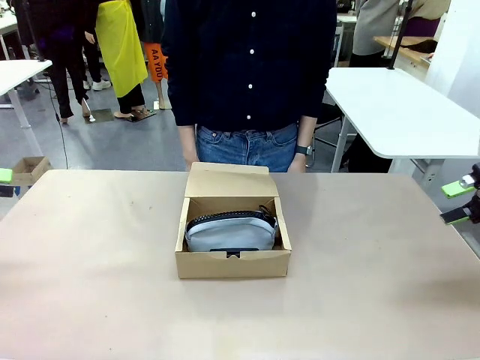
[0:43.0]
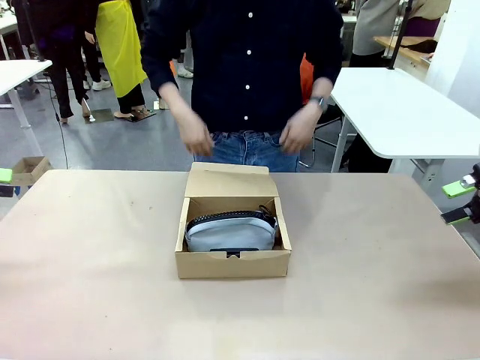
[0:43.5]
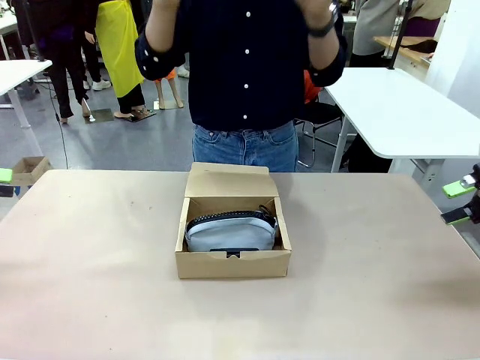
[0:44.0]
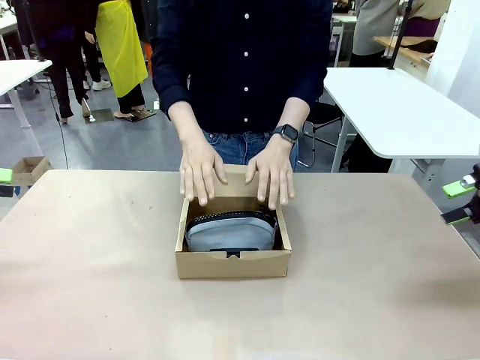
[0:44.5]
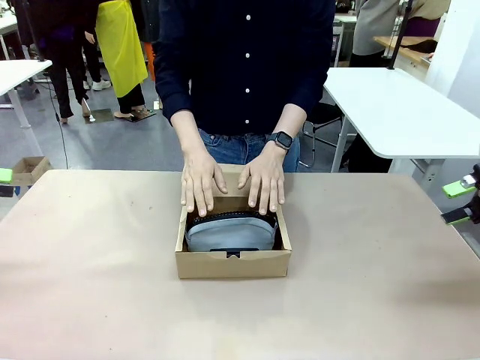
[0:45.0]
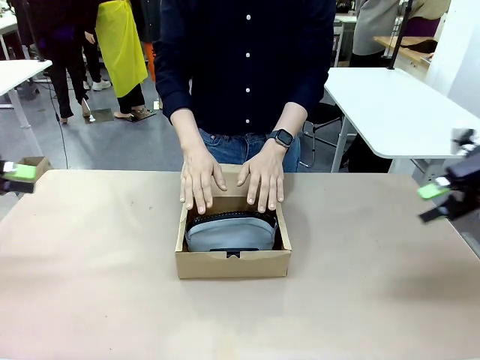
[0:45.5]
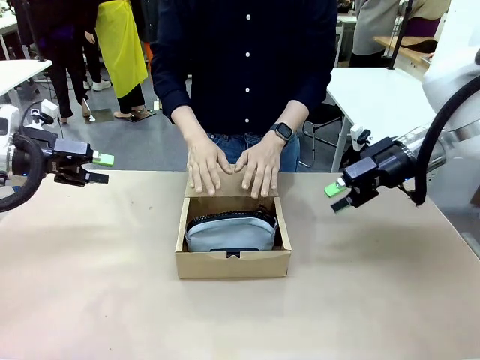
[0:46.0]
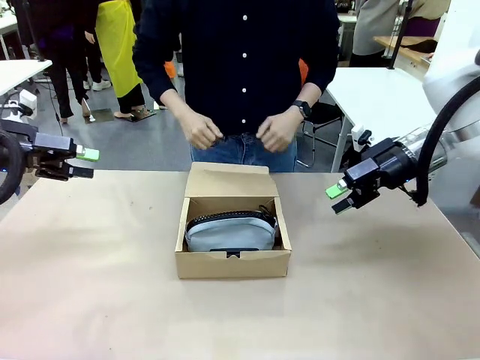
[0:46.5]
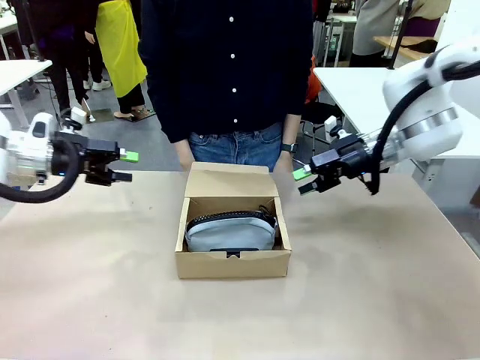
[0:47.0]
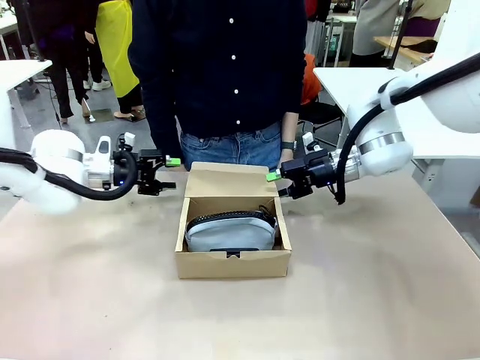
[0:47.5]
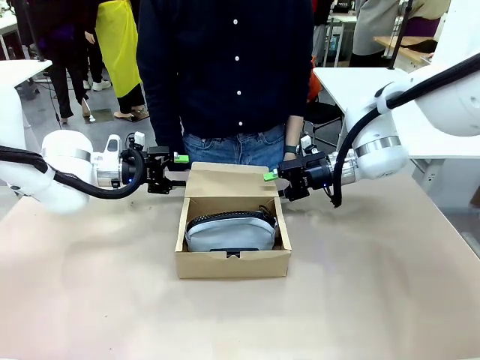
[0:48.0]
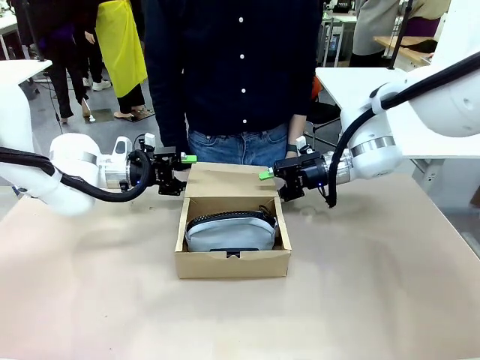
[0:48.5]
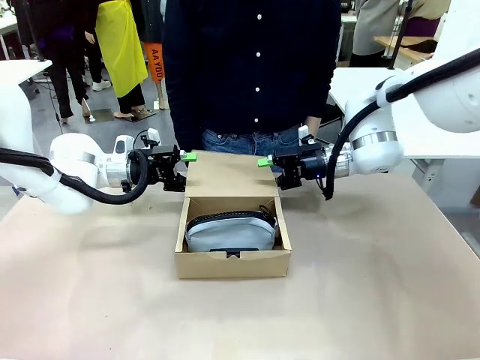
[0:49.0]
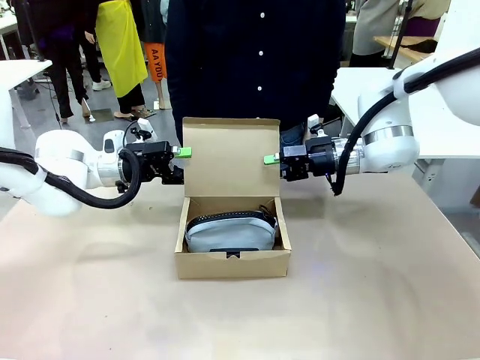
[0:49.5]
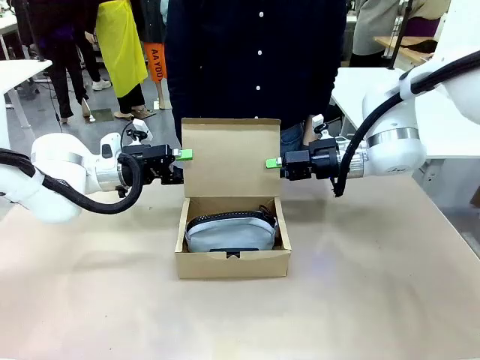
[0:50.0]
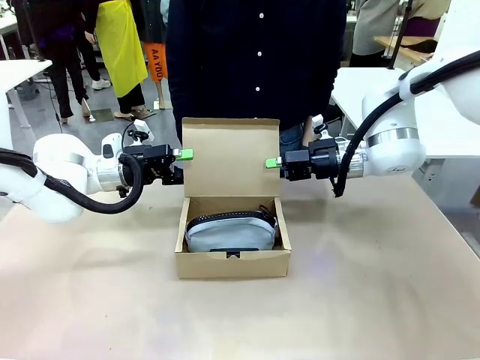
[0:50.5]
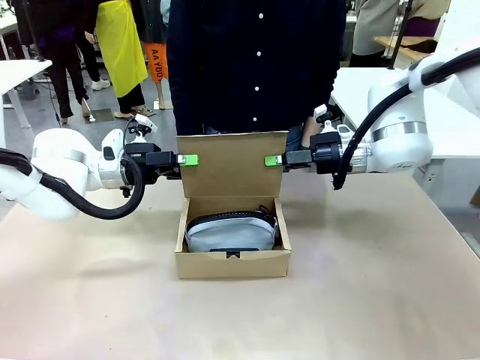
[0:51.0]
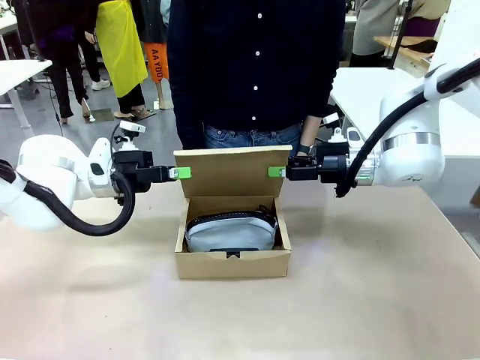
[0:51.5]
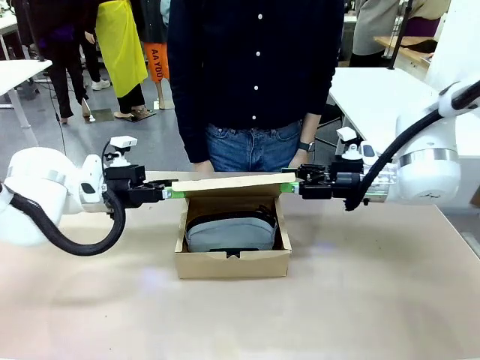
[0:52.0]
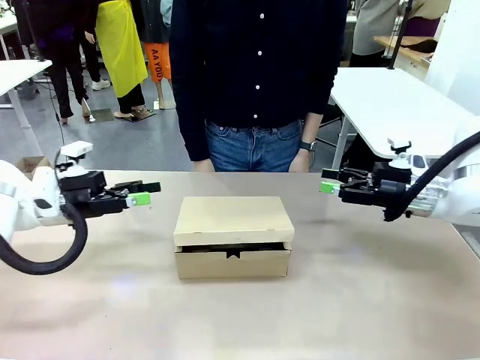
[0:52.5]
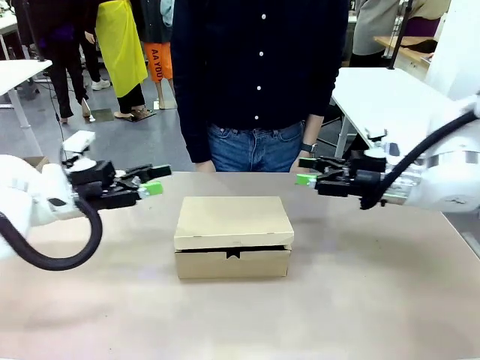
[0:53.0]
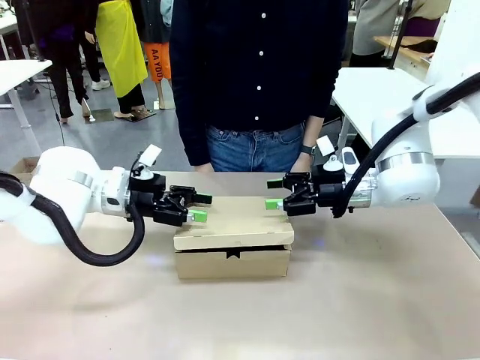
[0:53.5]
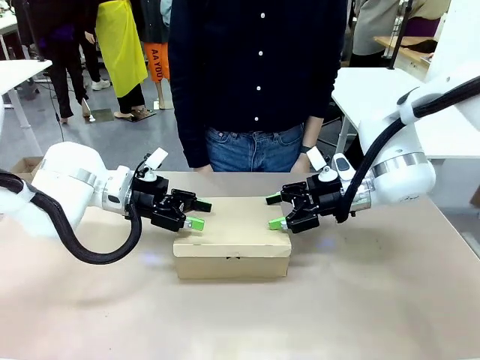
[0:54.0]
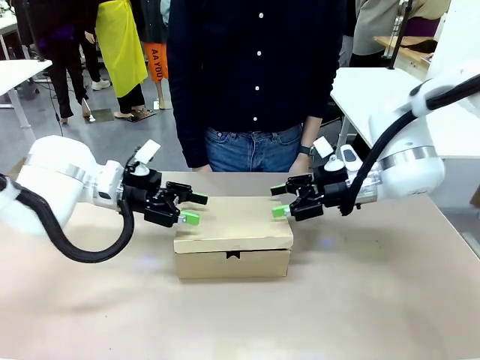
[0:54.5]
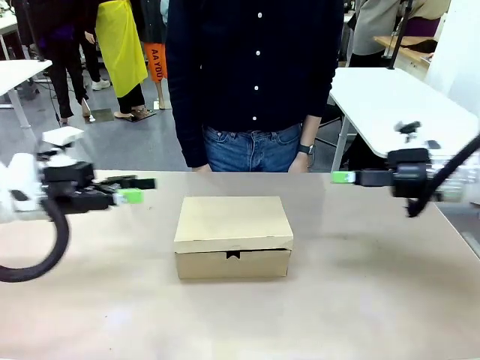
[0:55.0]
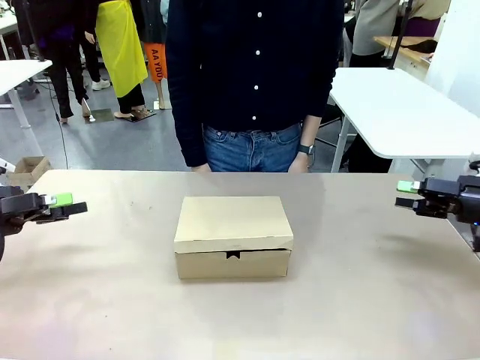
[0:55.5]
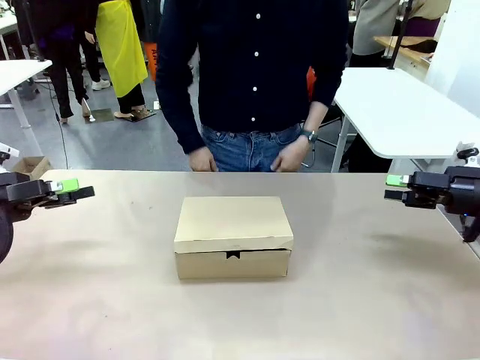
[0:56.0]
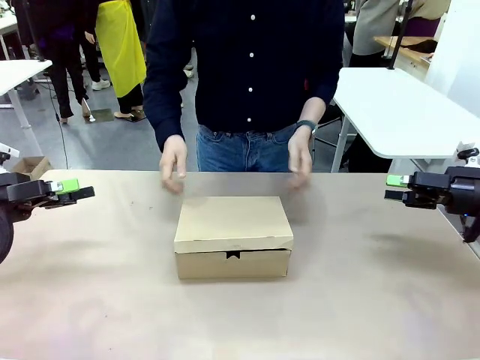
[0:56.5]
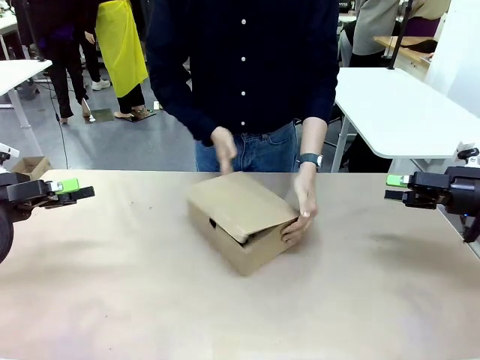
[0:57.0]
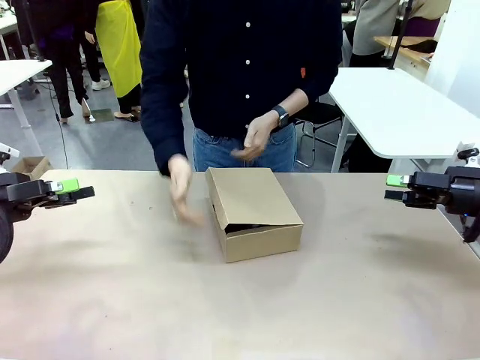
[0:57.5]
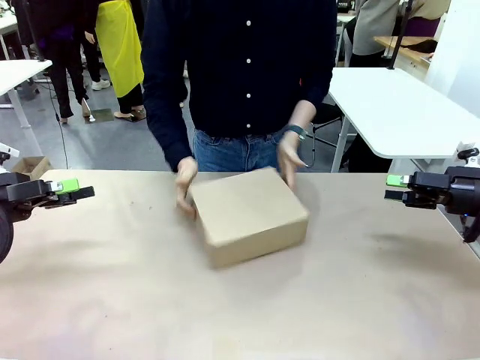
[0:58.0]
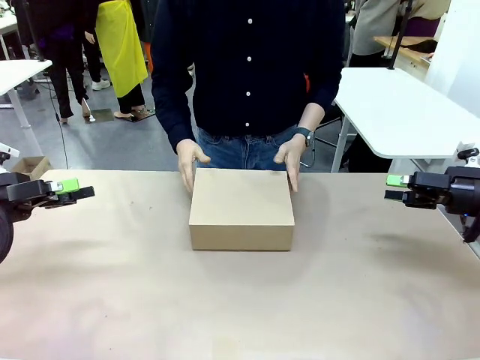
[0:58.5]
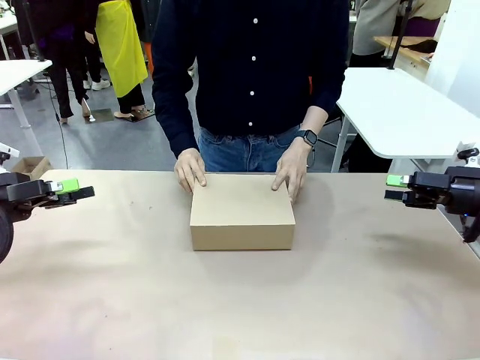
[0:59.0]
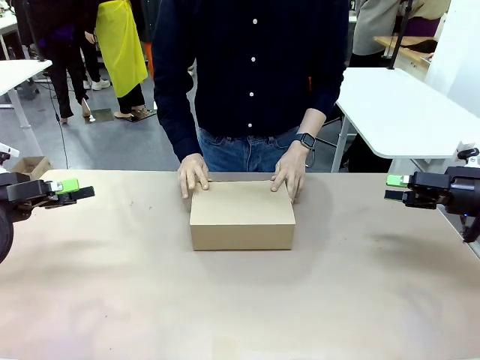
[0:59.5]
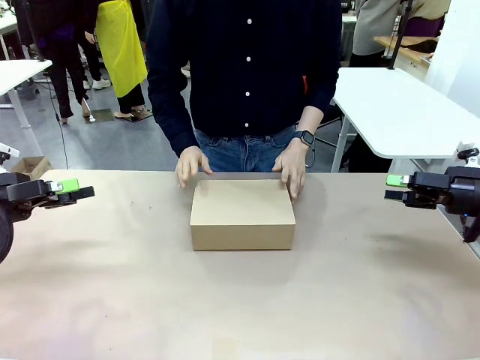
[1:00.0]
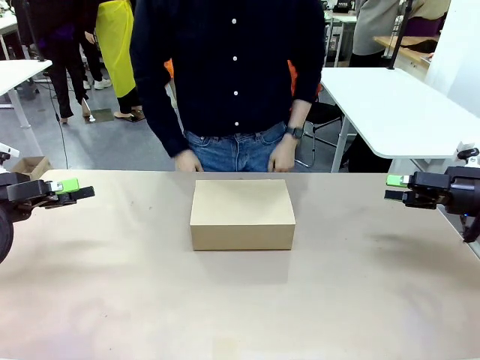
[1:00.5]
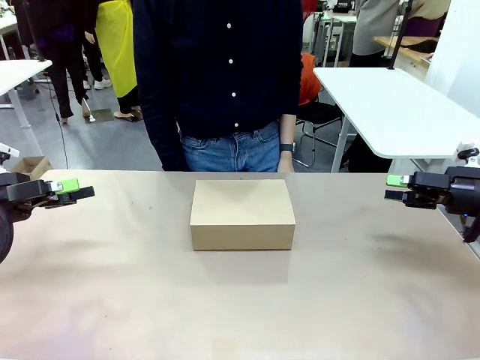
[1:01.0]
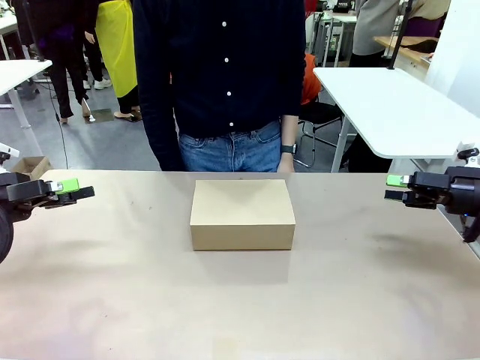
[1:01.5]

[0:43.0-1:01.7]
Task: Pack the items into the box.
Robot: Close the Mailer Box.
Person: Turn the box and lock it.

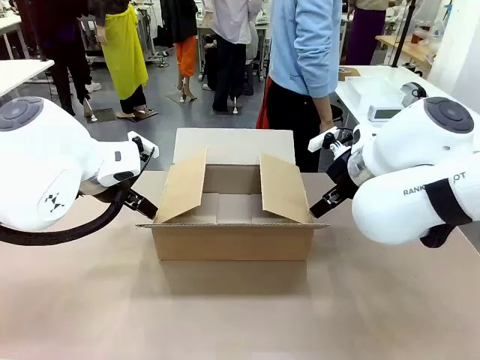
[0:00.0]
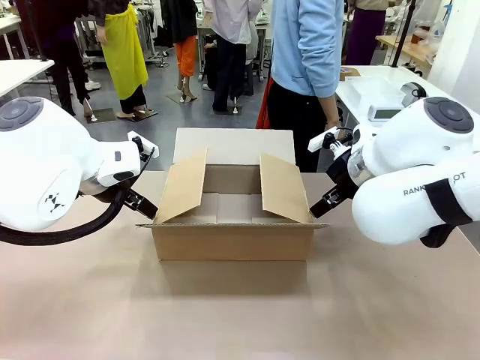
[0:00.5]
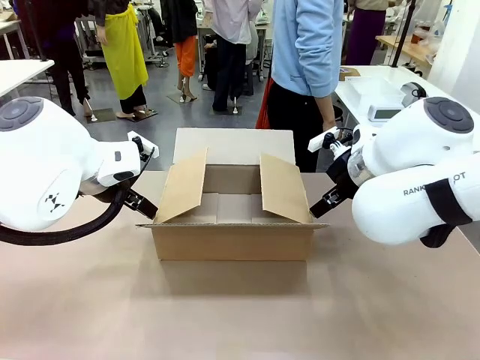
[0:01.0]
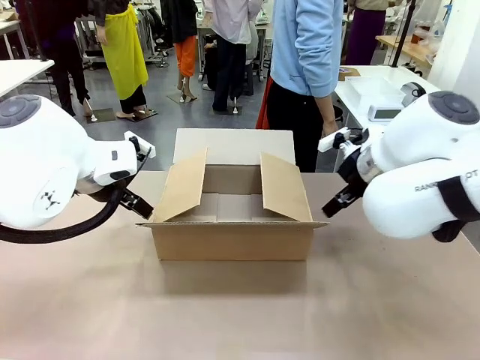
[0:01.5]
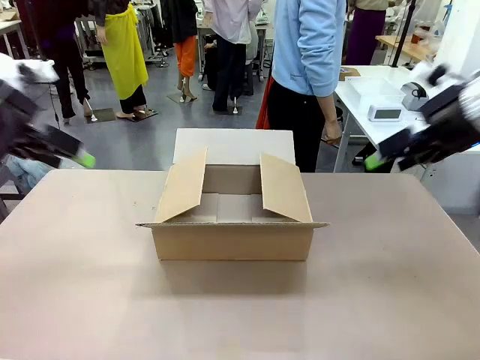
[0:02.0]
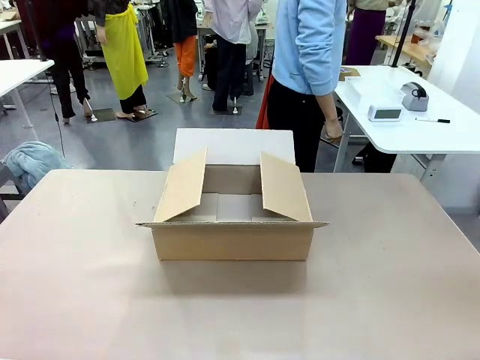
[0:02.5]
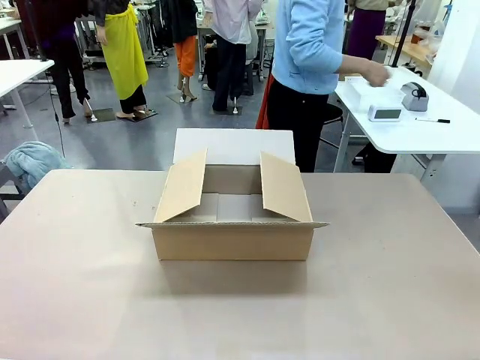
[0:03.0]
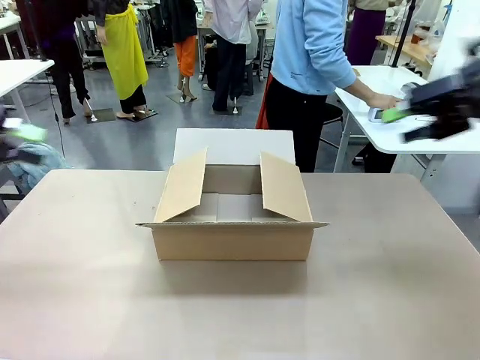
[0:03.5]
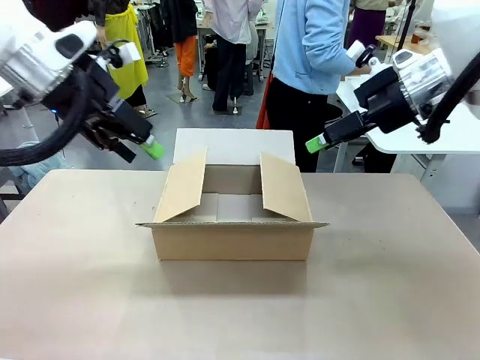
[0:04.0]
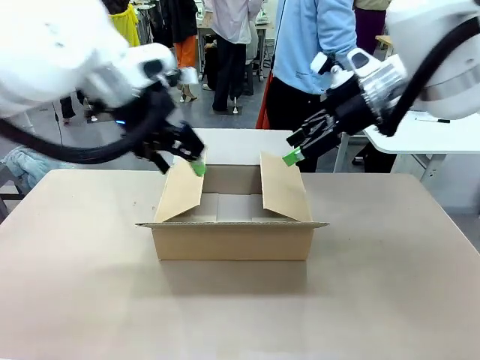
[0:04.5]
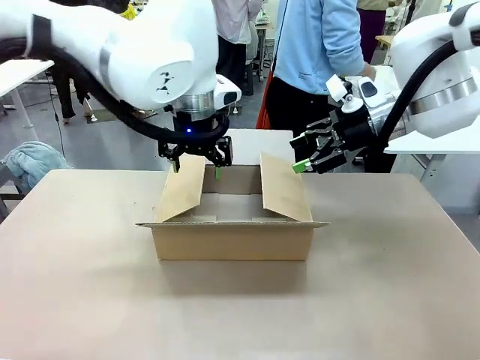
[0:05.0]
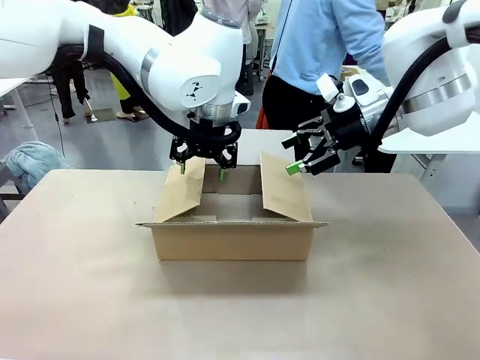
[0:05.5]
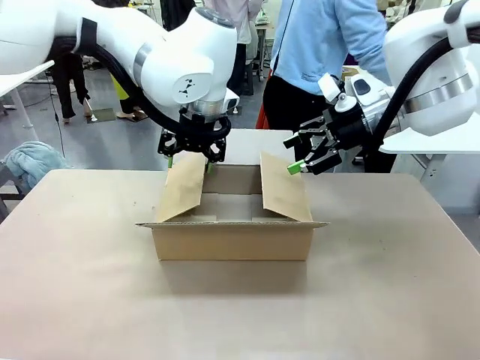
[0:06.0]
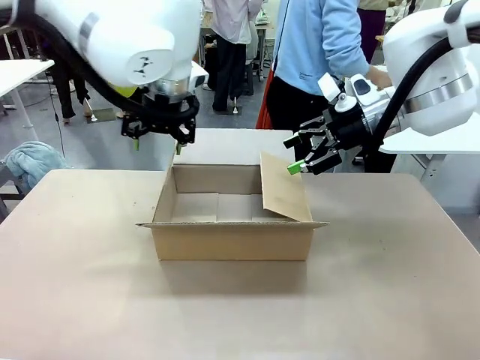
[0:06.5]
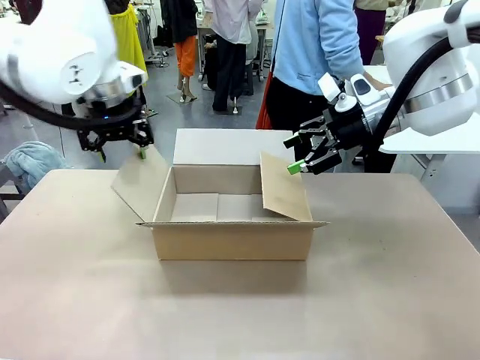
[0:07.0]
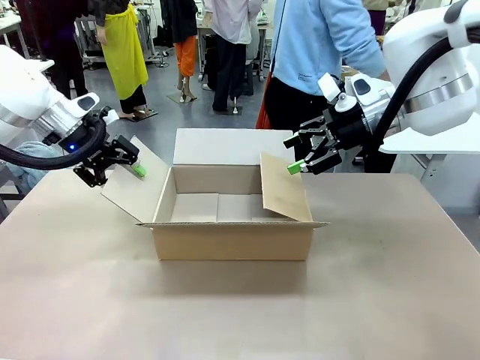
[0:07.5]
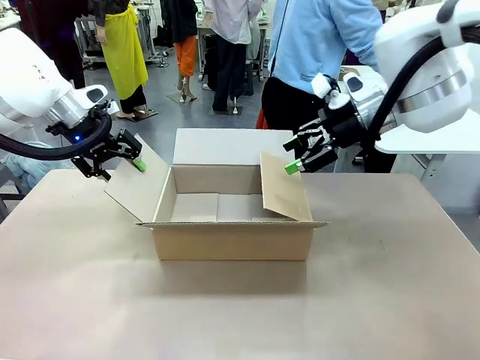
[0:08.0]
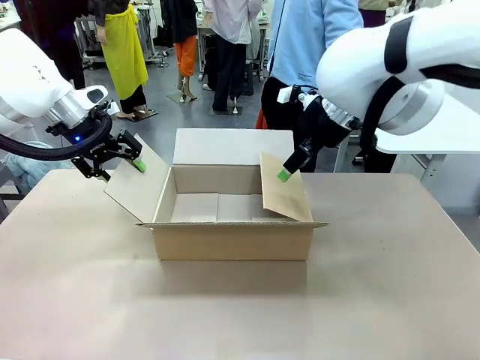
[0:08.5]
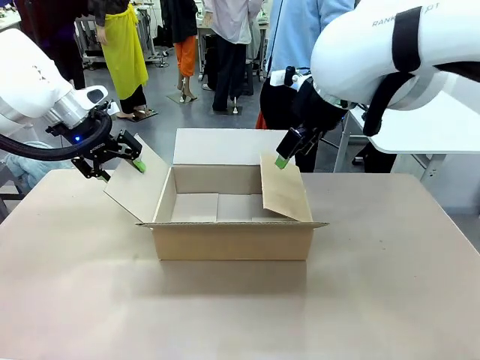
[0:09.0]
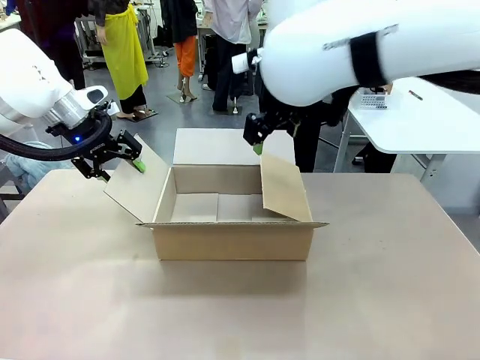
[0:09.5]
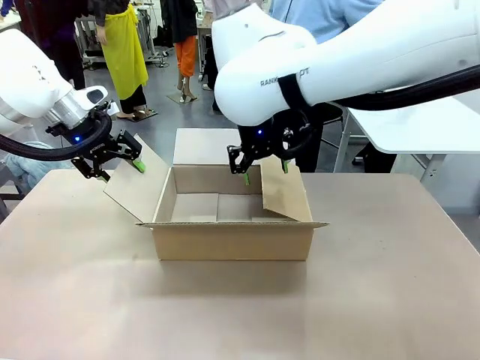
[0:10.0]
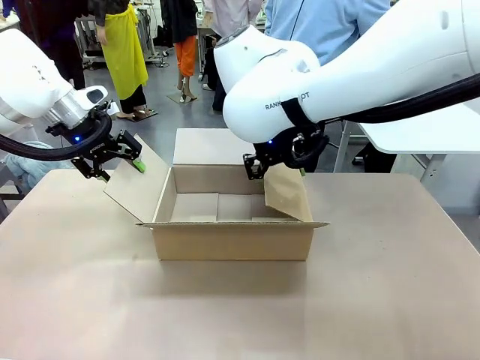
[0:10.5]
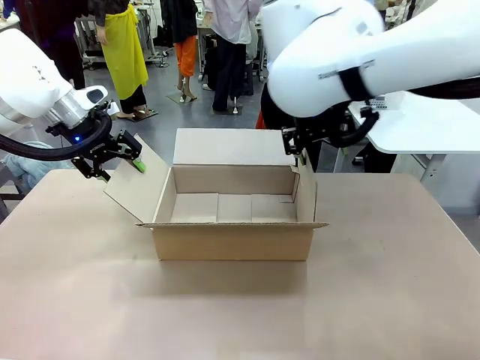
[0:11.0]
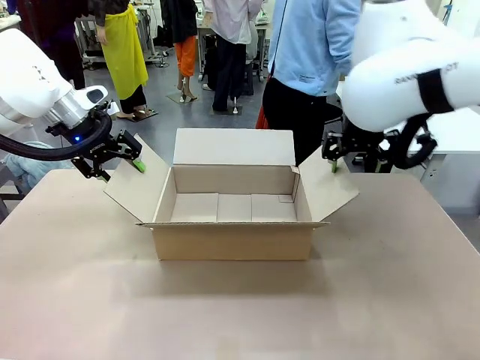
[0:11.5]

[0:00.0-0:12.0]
Task: Pack the gift set into the box.
Robot: Place both hands on the side flaps of the Package Box and spread them outward.
Person: The human places all items except the paper tape into the organizing basket.
